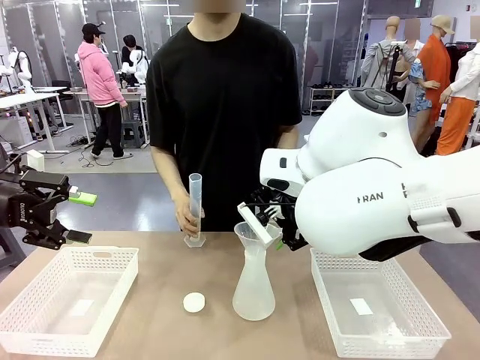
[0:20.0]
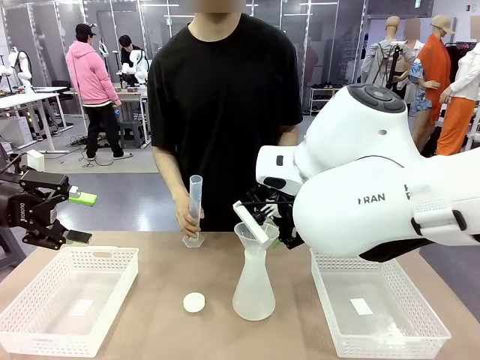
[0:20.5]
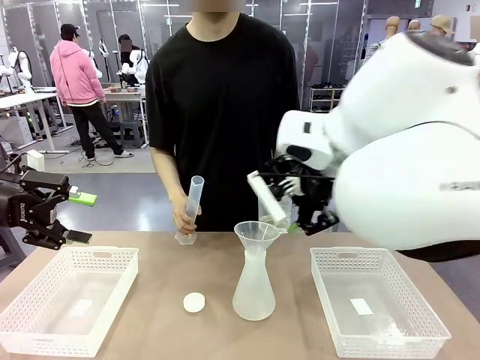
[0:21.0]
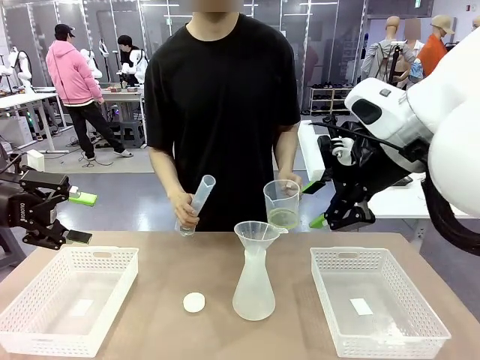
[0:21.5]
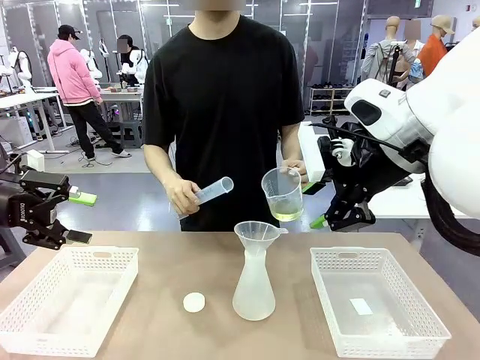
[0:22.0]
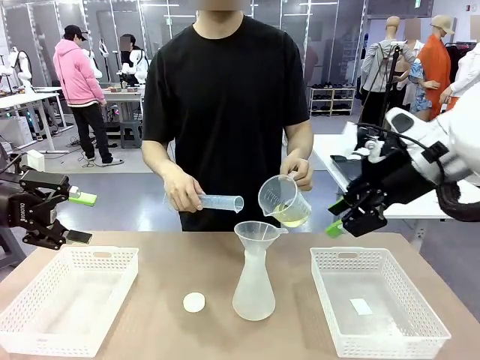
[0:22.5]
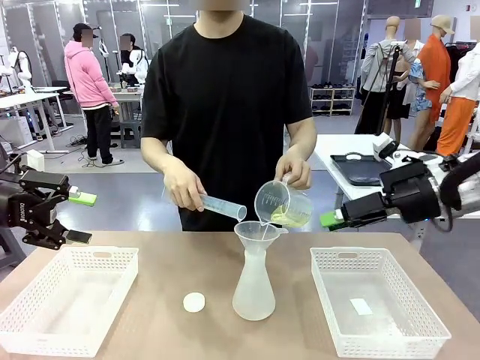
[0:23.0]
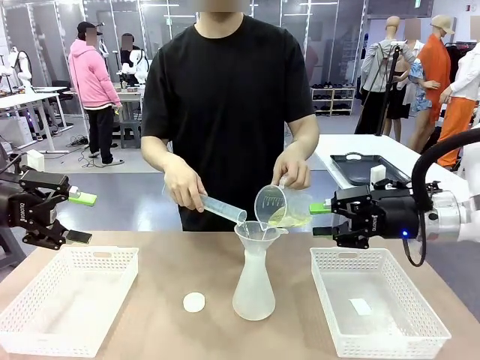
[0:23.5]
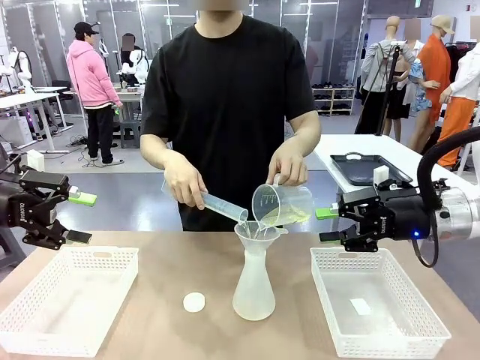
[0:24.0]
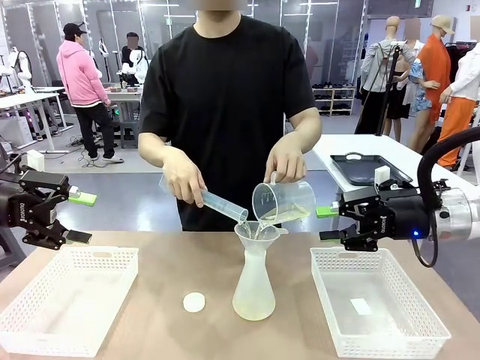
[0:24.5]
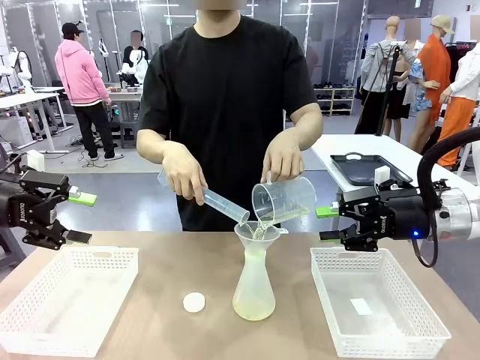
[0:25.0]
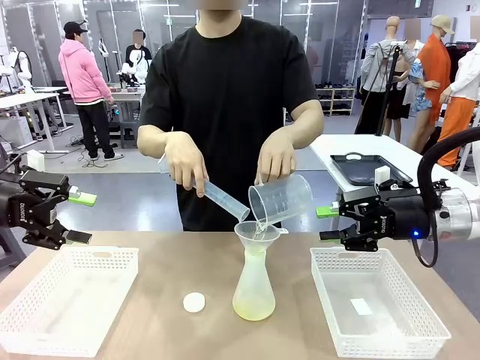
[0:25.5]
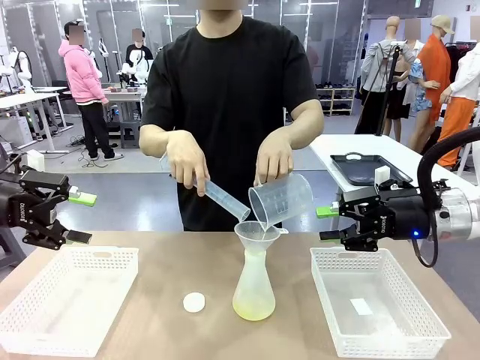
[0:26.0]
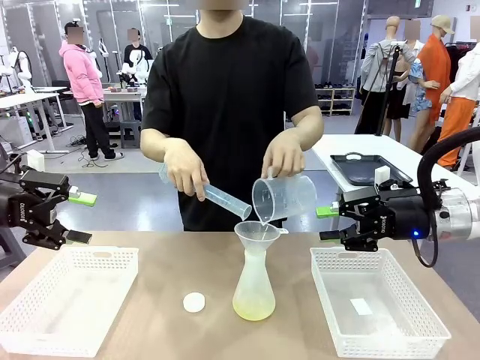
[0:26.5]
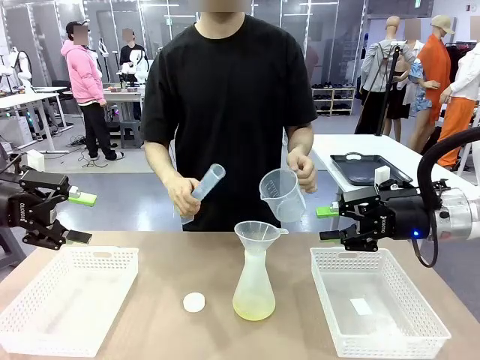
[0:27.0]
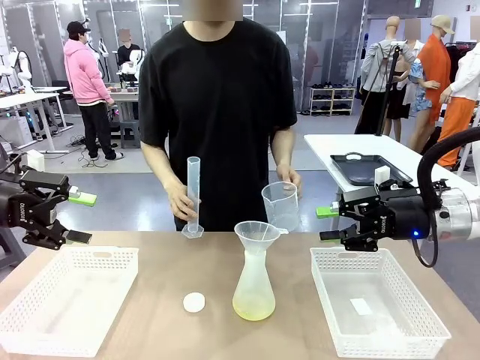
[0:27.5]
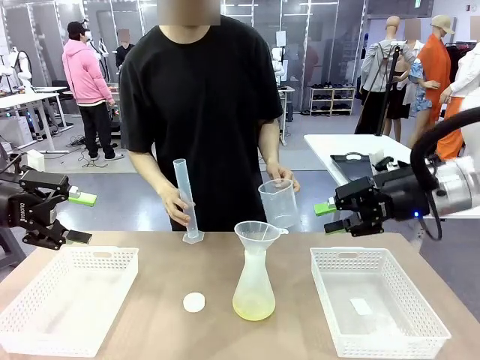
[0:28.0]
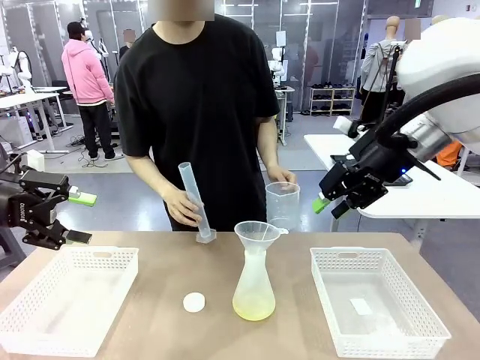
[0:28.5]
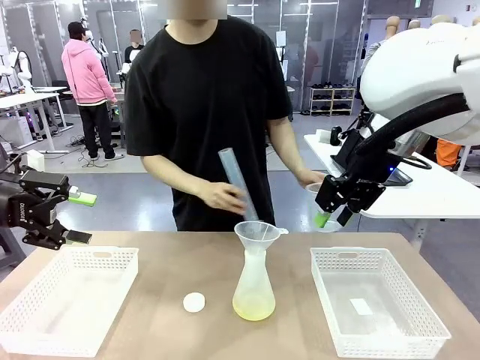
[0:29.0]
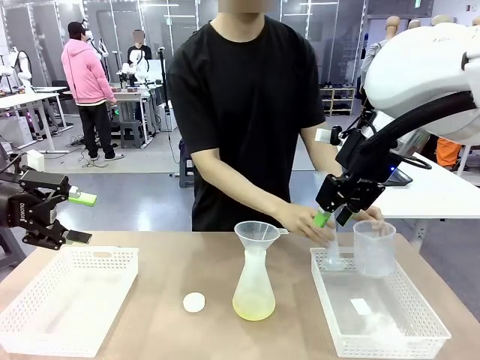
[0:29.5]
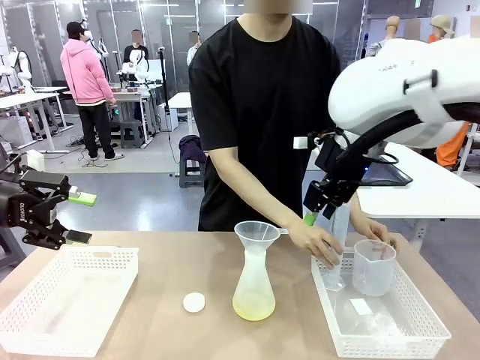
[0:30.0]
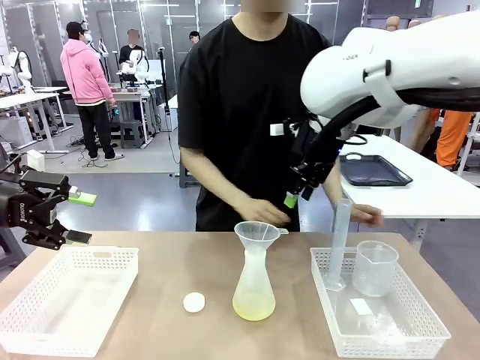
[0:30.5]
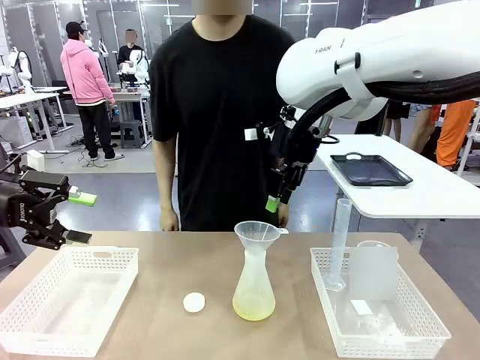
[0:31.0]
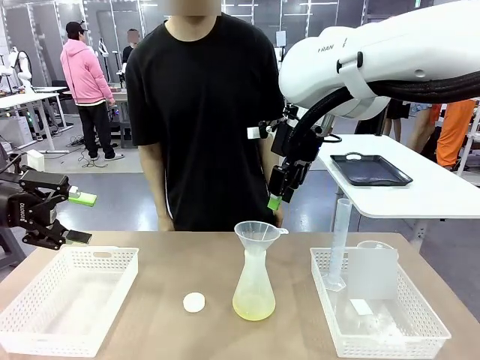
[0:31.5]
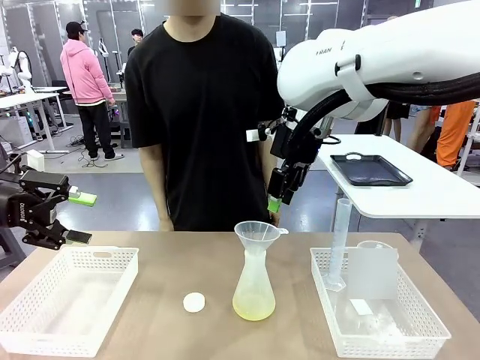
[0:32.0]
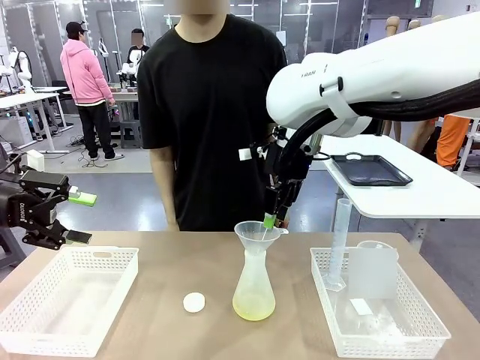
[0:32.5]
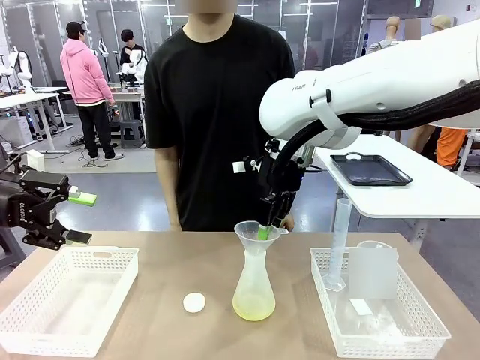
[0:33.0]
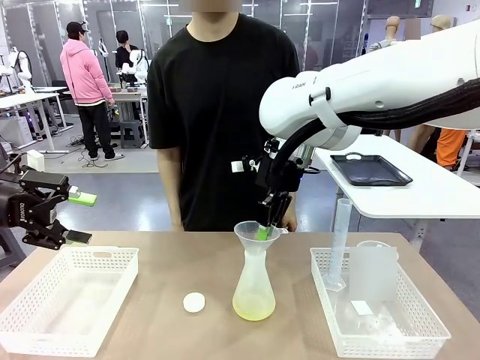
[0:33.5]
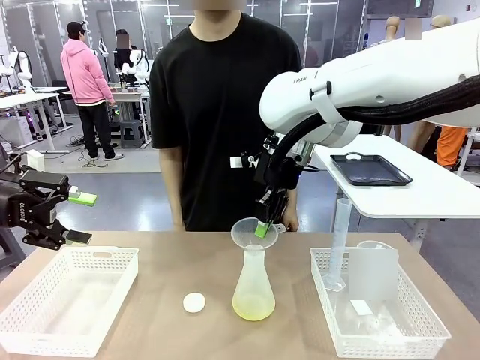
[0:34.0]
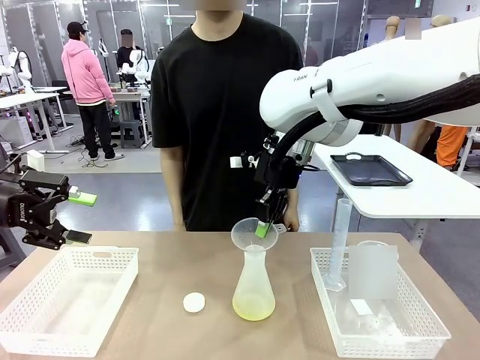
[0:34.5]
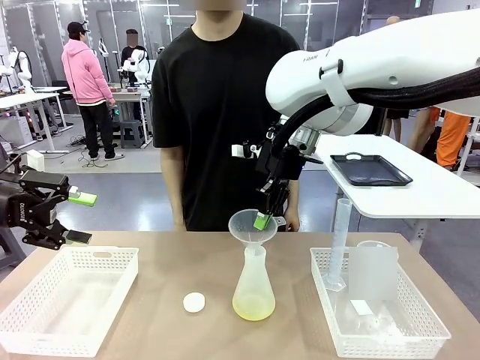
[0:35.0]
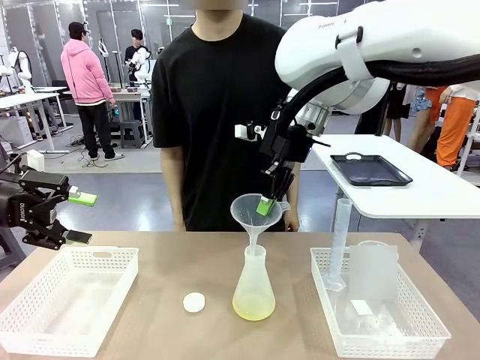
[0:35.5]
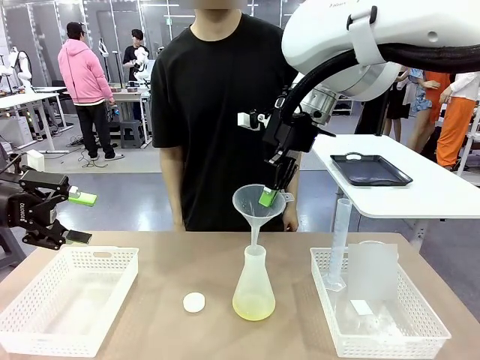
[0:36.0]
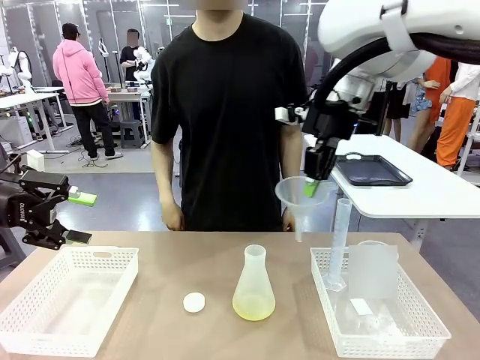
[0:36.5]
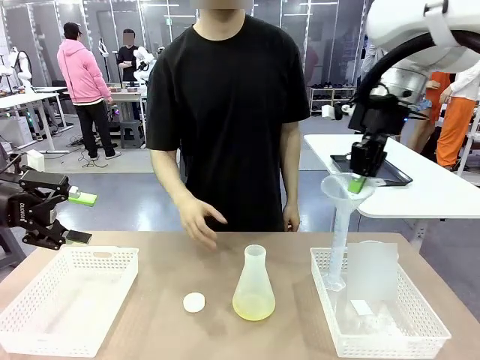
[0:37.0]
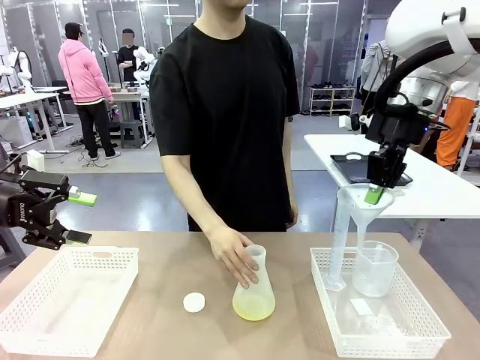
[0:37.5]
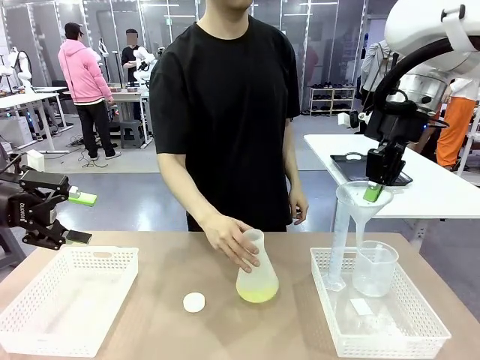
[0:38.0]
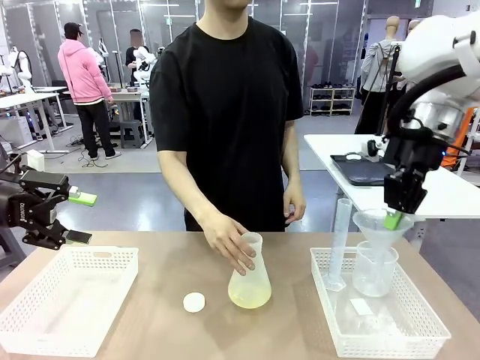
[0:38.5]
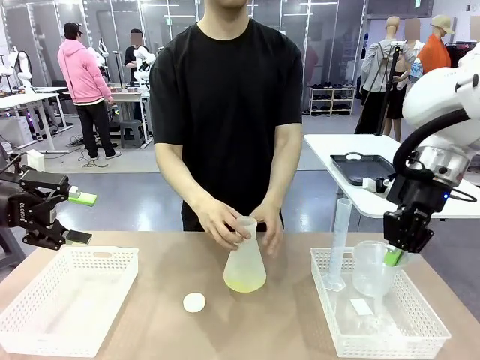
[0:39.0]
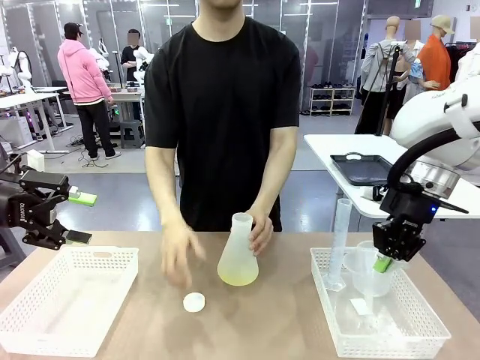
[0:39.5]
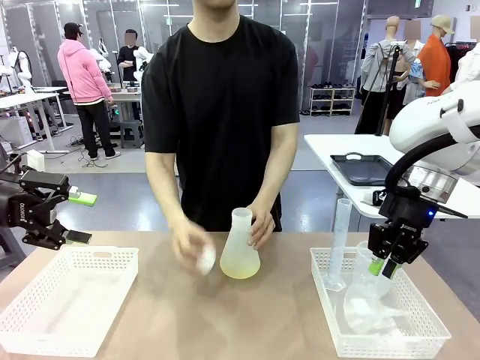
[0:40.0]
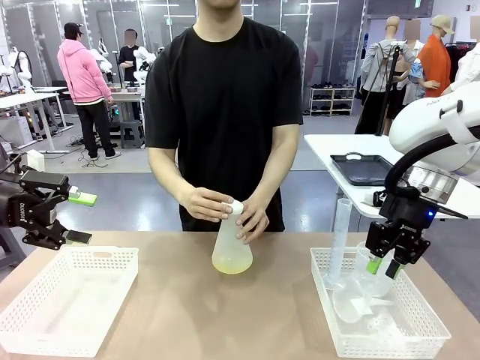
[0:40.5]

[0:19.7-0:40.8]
Task: Prepare the solutions needed for the experiment.
Robot: Once the solution is in the Big flask , pick up the Plastic Funnel and place it back into the right Organizing basket.
Person: Pour the solution from the beaker and the cylinder into the flask. Place the beaker and the cylinder into the organizing basket on the left side. Pick up the flask, gently shake it 2–3 times, place it in the middle of the robot table, and close the lid.
